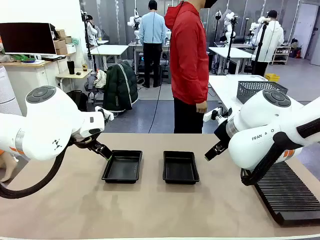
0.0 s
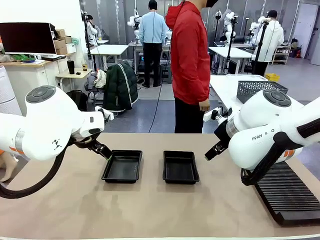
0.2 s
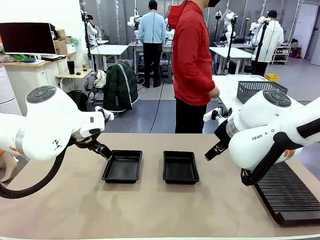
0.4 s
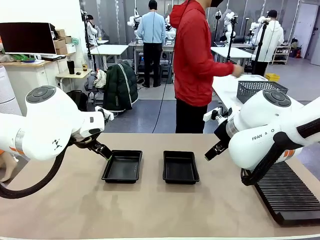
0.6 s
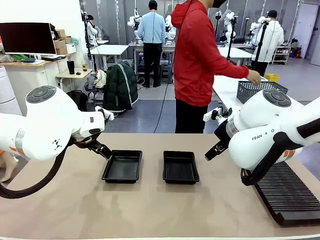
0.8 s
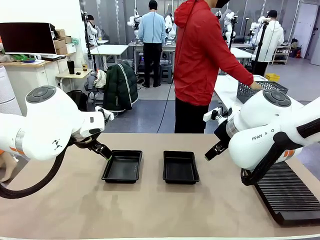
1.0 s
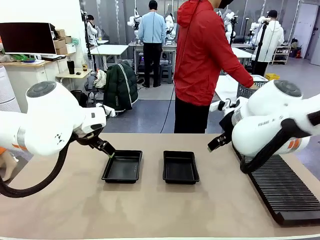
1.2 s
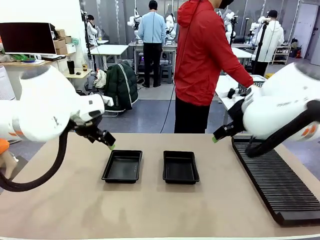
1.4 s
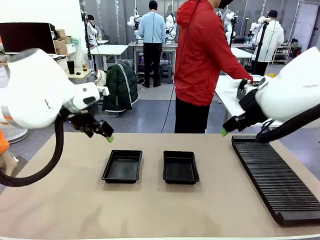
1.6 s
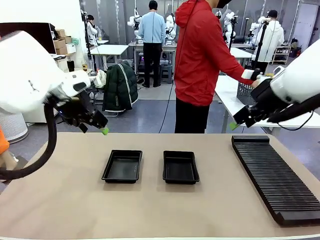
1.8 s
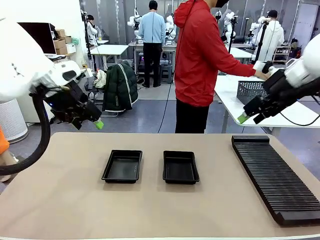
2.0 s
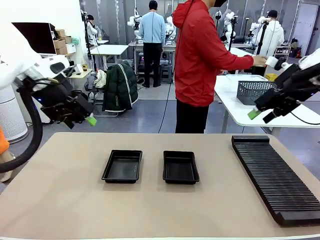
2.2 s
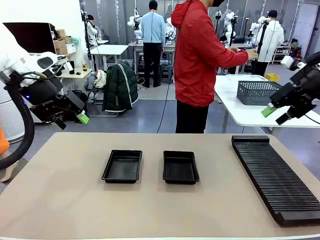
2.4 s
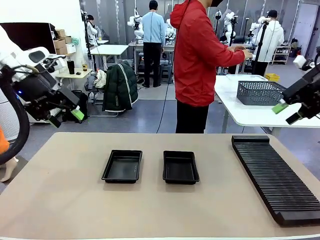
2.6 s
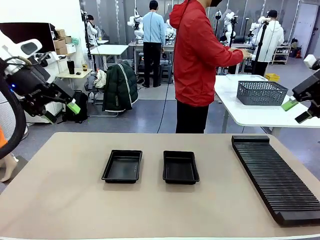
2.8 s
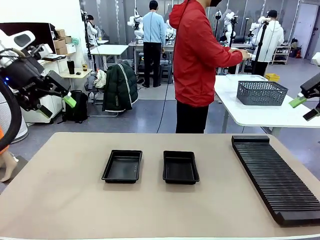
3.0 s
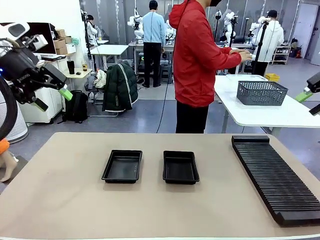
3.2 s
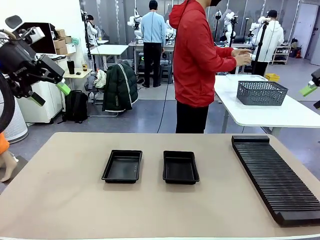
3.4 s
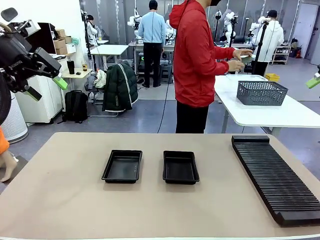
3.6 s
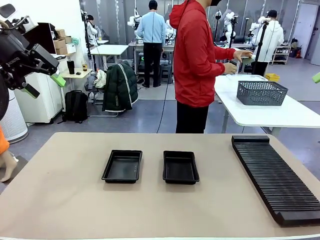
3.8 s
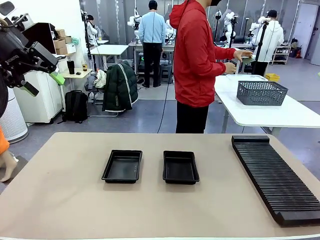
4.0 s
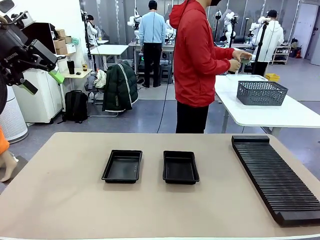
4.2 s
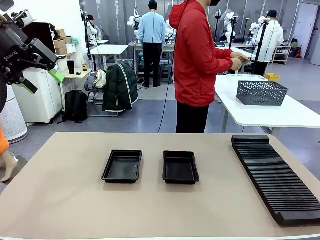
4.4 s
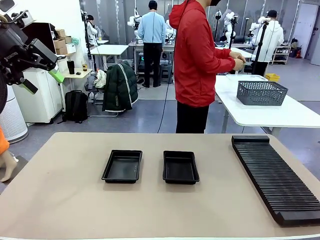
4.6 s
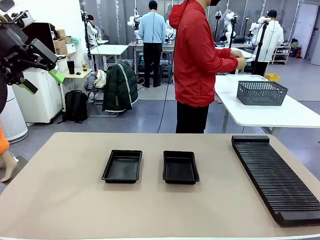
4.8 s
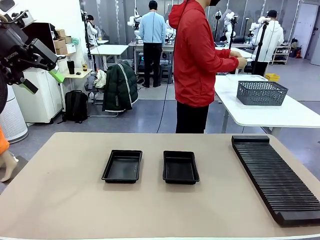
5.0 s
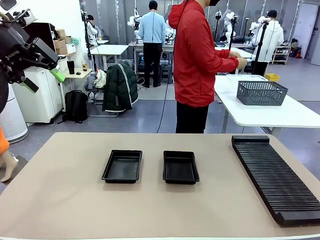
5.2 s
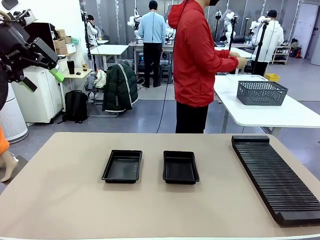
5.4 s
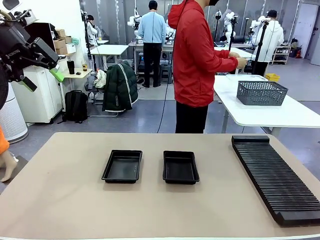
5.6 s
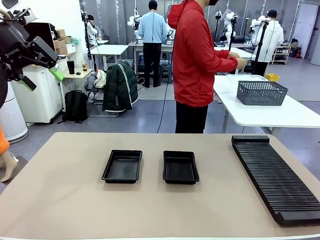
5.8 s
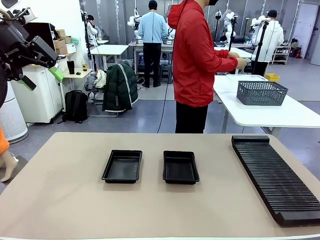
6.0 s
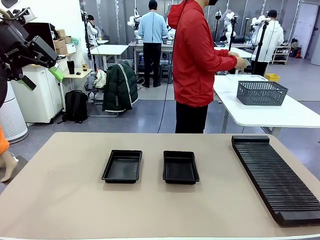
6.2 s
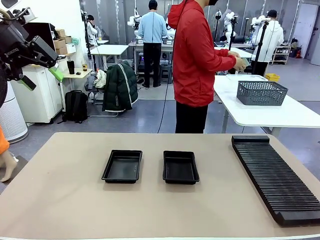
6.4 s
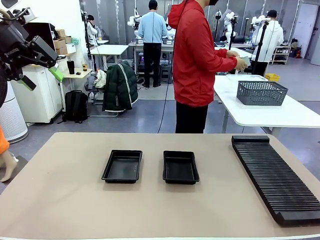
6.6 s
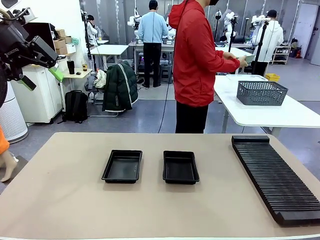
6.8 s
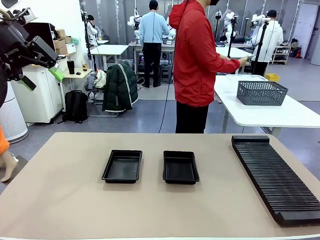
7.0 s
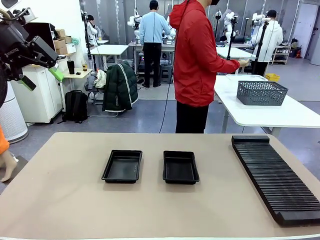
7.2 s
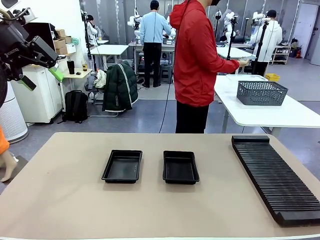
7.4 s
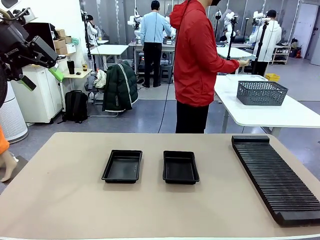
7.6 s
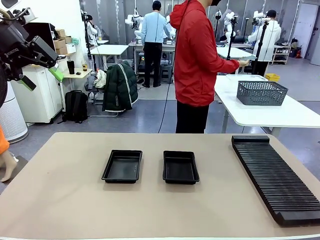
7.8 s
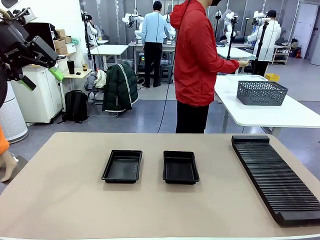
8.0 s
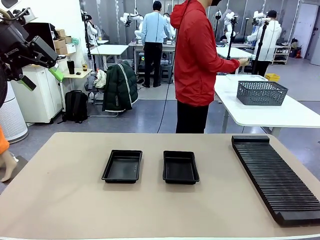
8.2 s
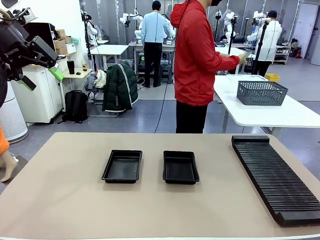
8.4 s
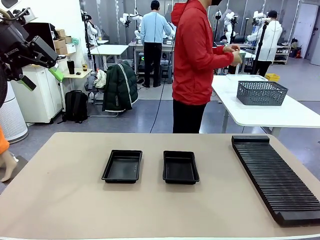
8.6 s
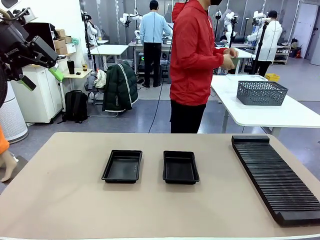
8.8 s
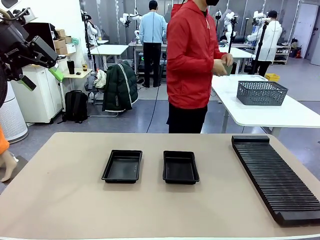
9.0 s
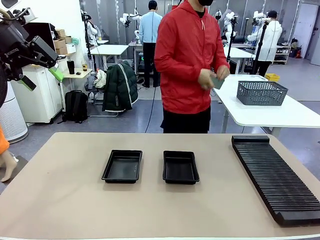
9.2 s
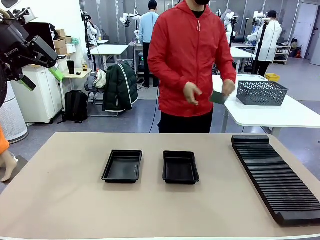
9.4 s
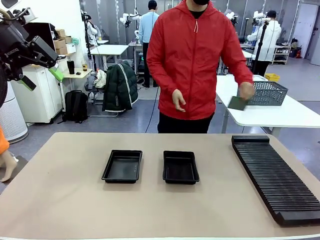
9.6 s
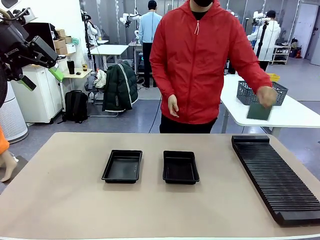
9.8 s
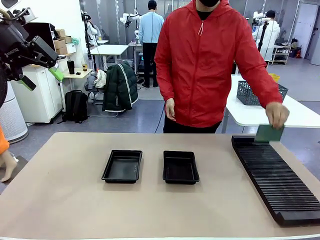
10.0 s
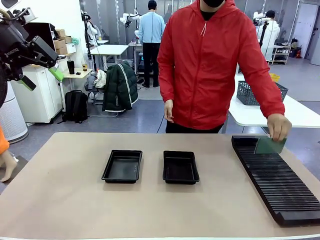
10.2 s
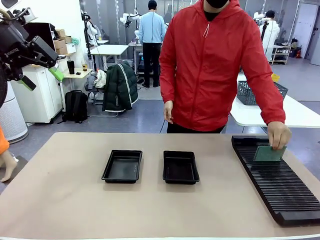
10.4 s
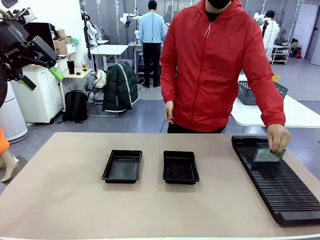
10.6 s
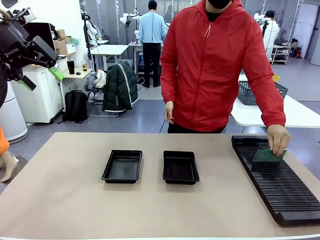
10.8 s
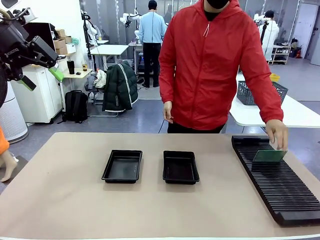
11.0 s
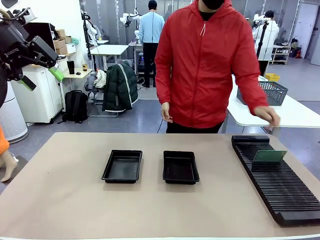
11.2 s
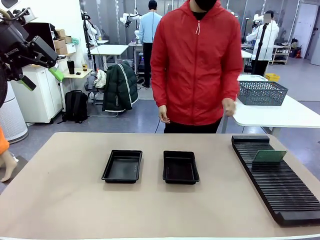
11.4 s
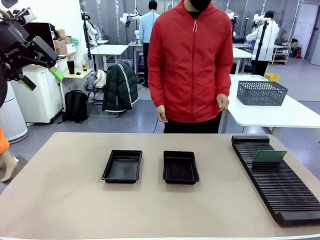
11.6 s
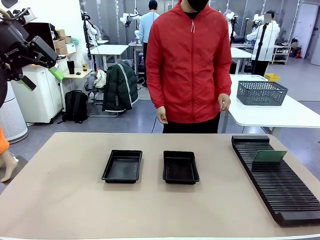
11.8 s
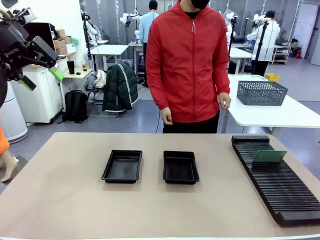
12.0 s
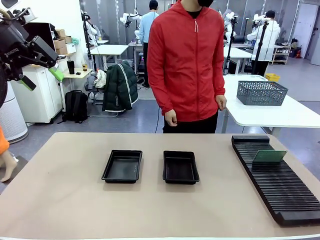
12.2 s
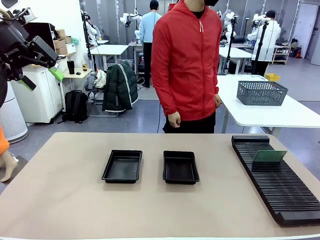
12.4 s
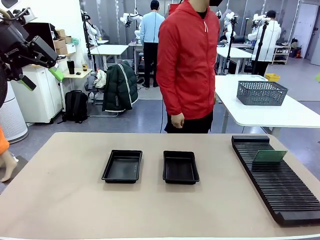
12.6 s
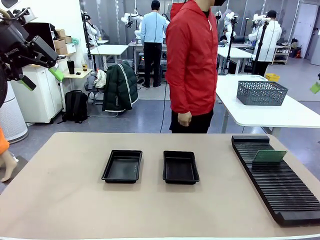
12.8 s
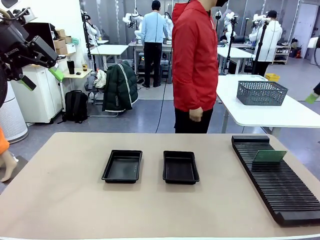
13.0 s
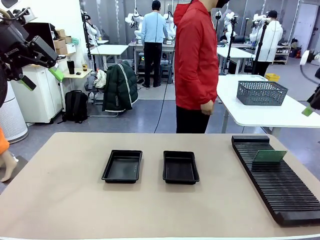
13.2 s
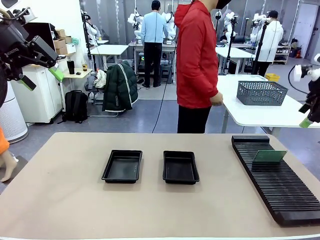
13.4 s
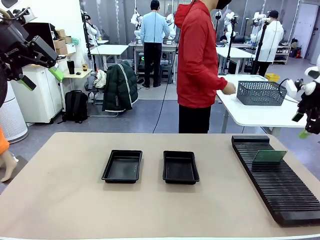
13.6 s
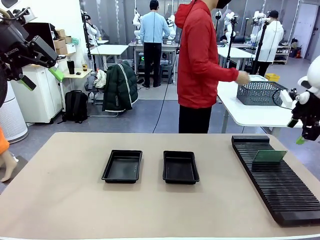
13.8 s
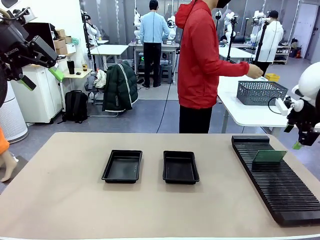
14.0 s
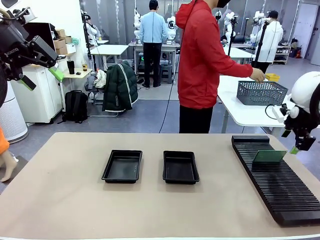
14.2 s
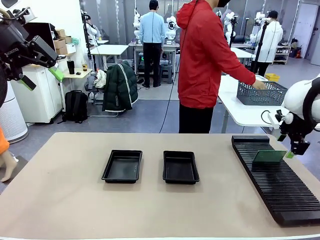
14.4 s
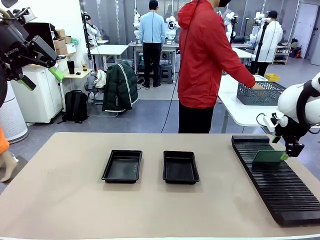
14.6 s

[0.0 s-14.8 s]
Task: Inspect and transfer BCBs to ESD trays.
Robot: Pick up the Blank PCB from the PCB Rack and place it in the left ESD tray.
